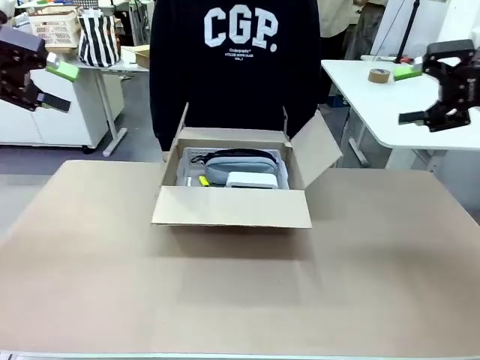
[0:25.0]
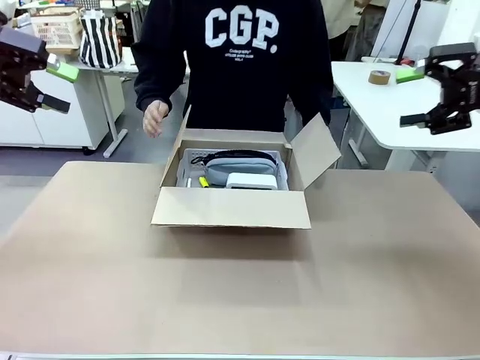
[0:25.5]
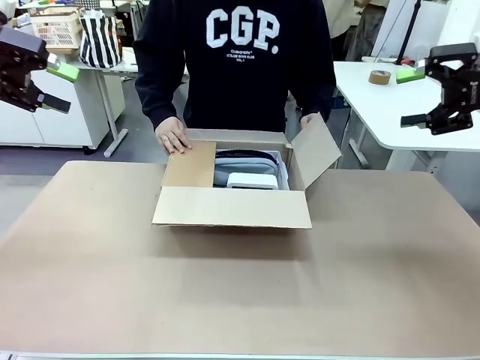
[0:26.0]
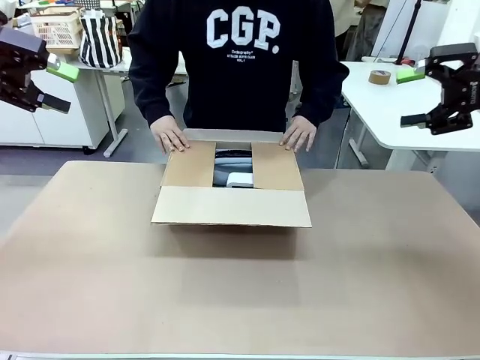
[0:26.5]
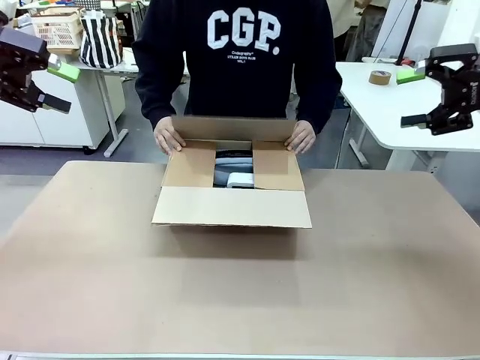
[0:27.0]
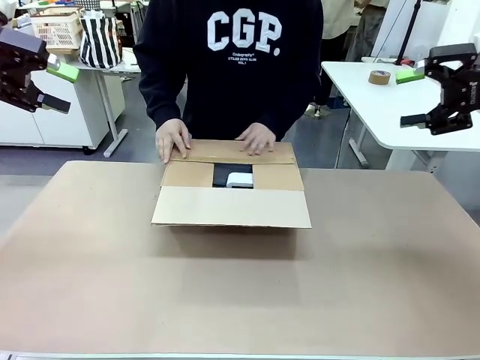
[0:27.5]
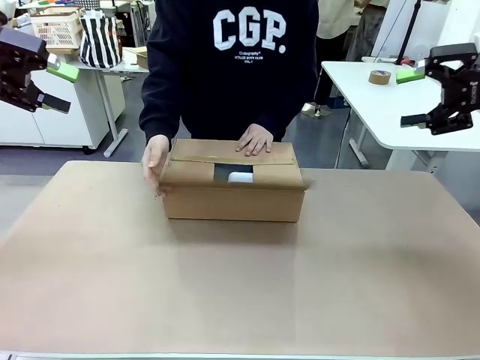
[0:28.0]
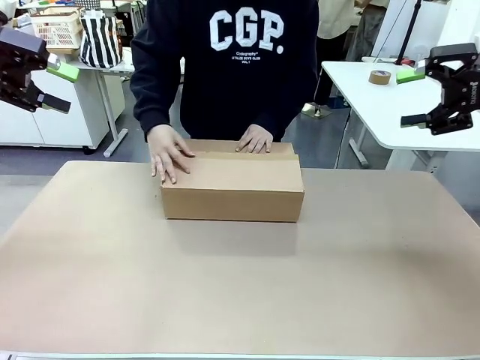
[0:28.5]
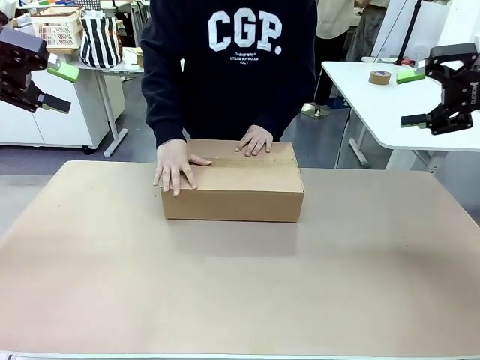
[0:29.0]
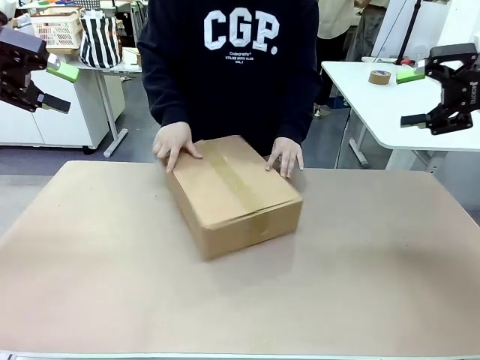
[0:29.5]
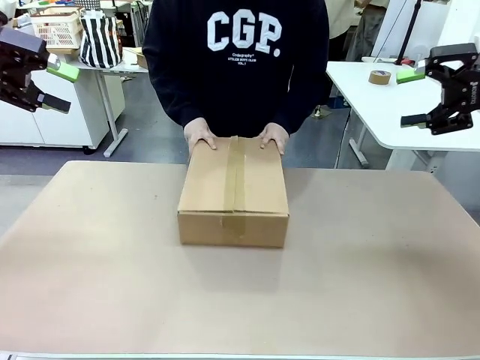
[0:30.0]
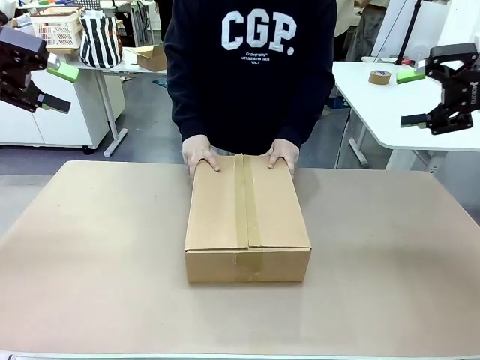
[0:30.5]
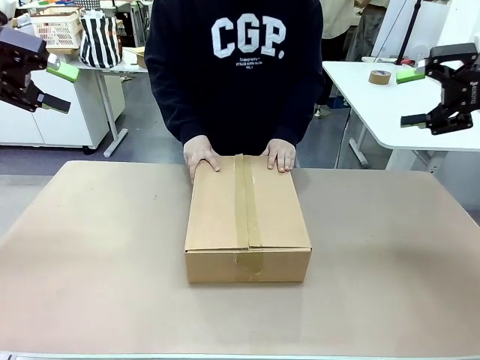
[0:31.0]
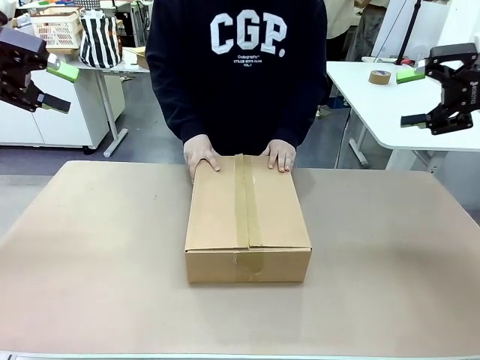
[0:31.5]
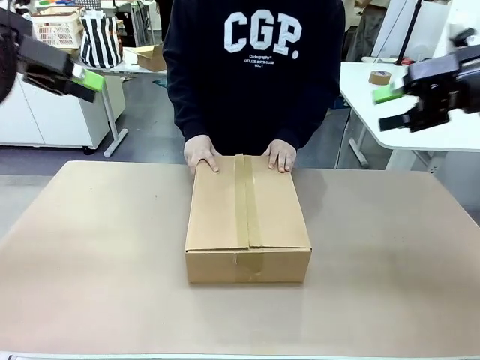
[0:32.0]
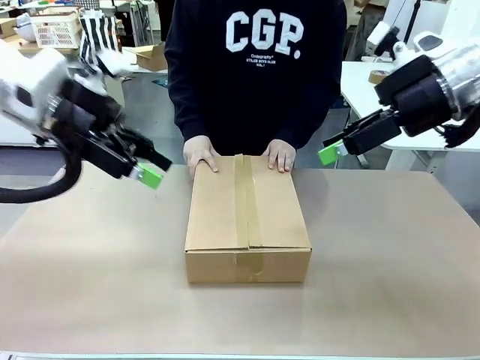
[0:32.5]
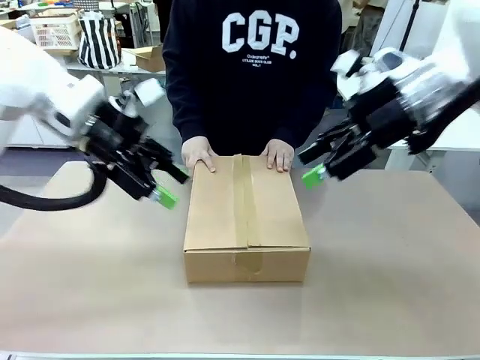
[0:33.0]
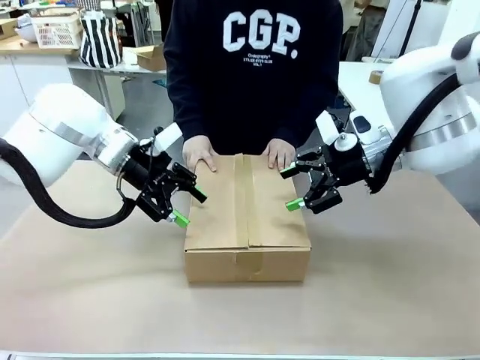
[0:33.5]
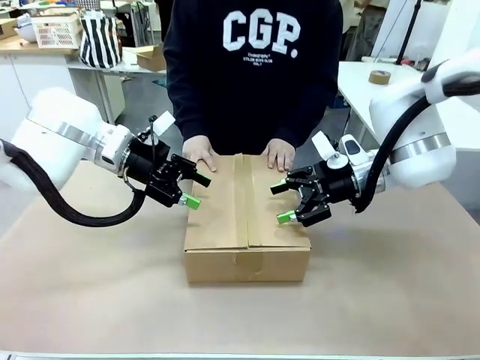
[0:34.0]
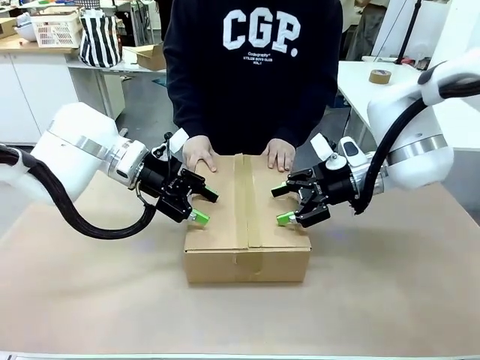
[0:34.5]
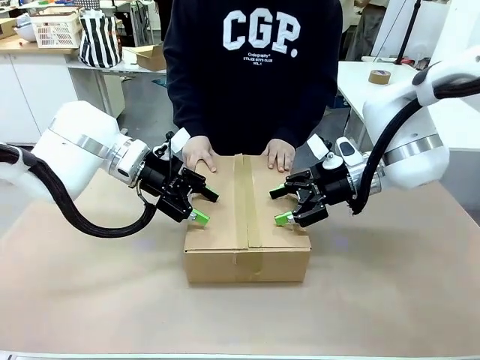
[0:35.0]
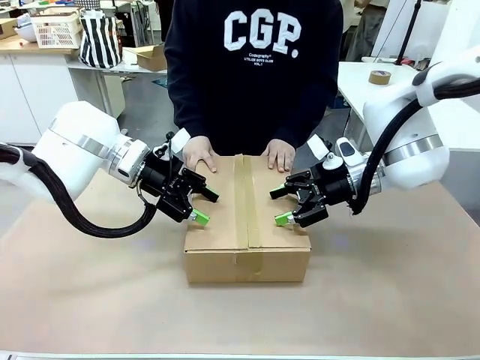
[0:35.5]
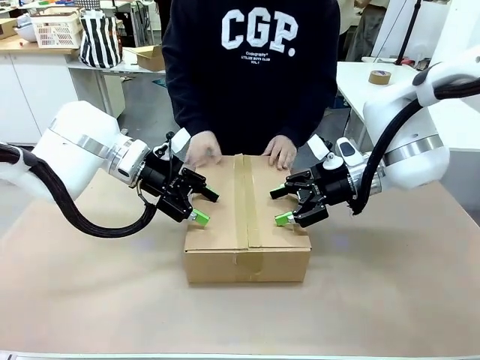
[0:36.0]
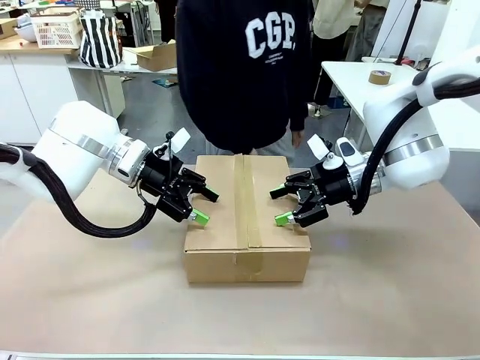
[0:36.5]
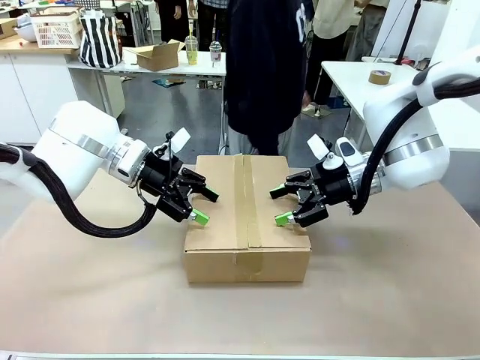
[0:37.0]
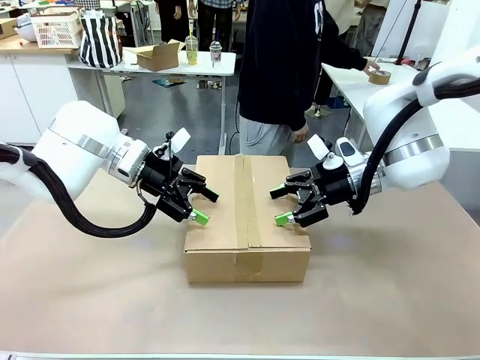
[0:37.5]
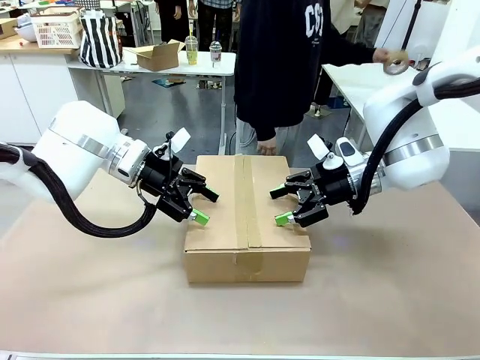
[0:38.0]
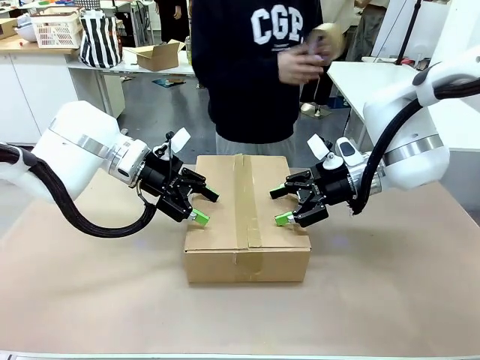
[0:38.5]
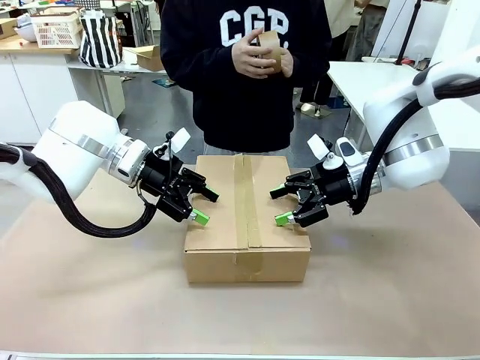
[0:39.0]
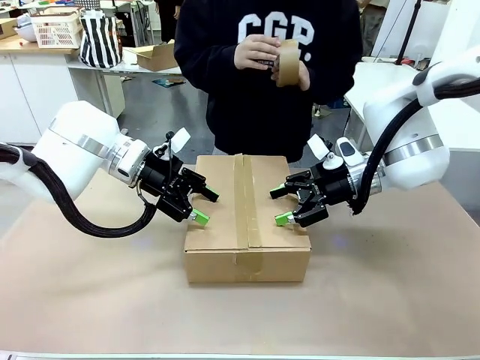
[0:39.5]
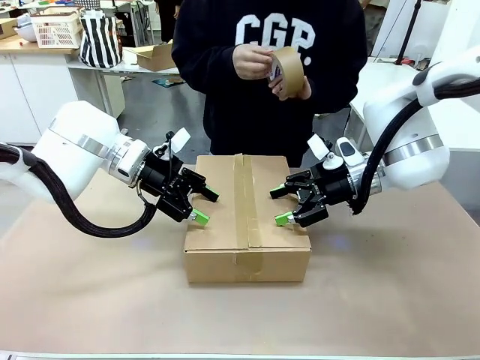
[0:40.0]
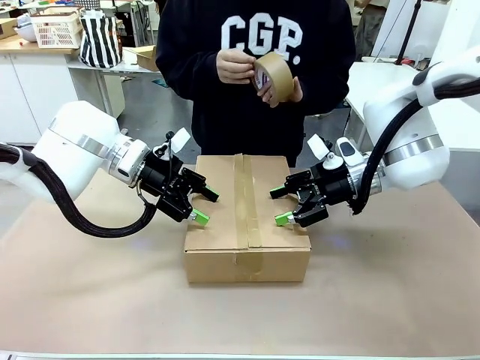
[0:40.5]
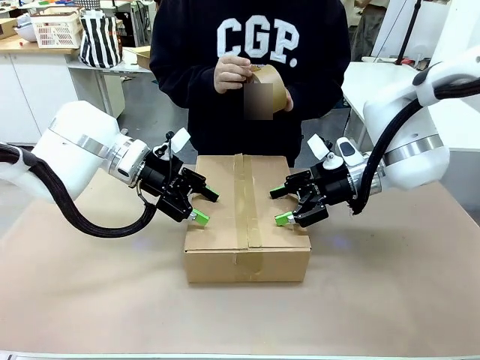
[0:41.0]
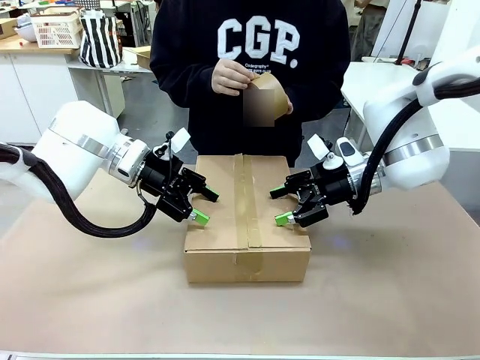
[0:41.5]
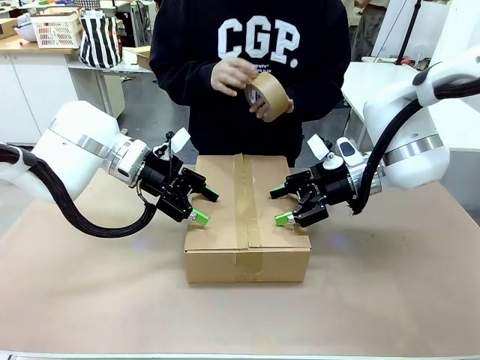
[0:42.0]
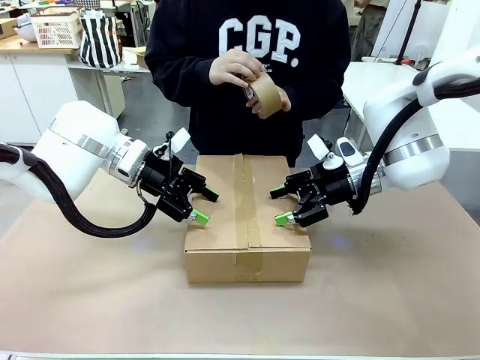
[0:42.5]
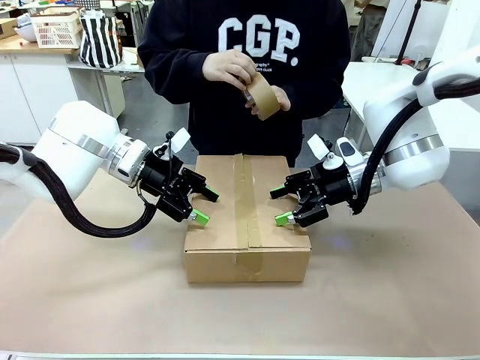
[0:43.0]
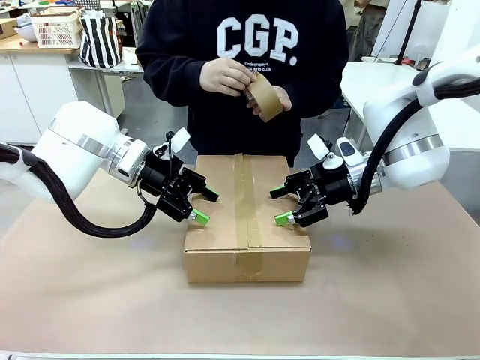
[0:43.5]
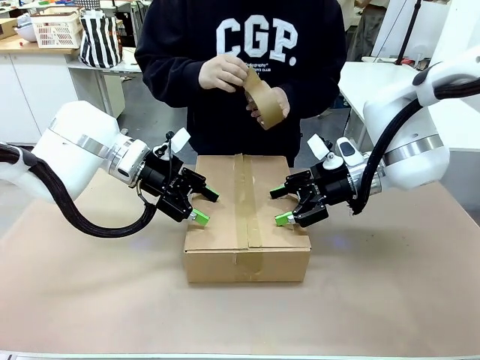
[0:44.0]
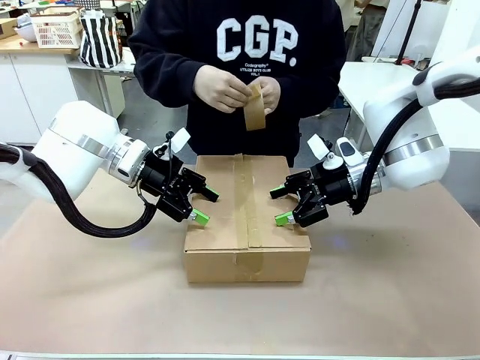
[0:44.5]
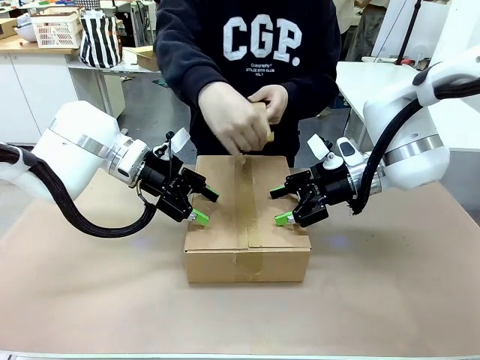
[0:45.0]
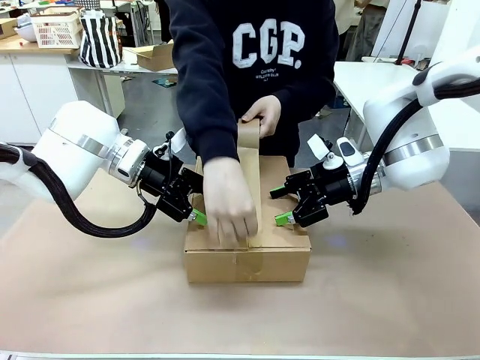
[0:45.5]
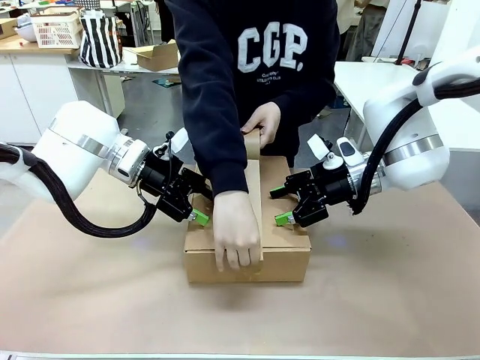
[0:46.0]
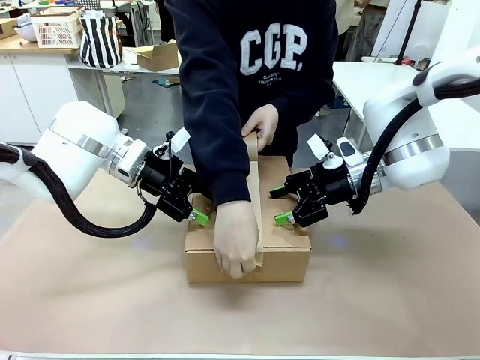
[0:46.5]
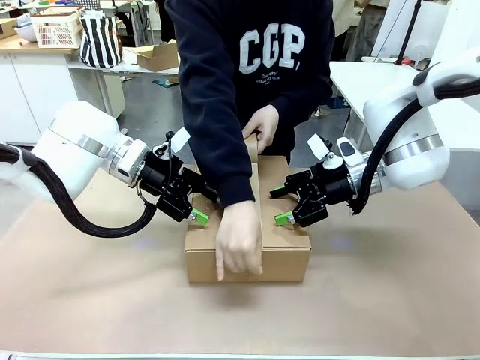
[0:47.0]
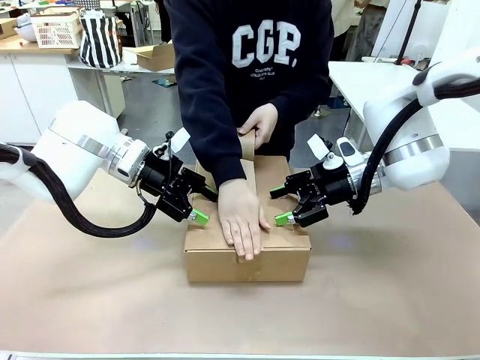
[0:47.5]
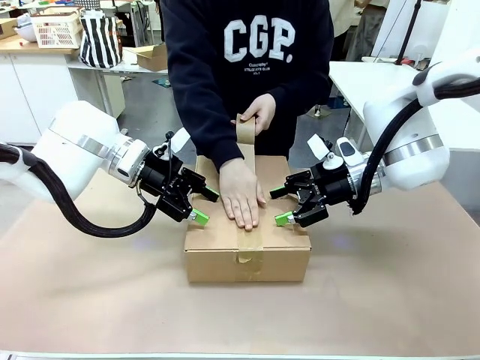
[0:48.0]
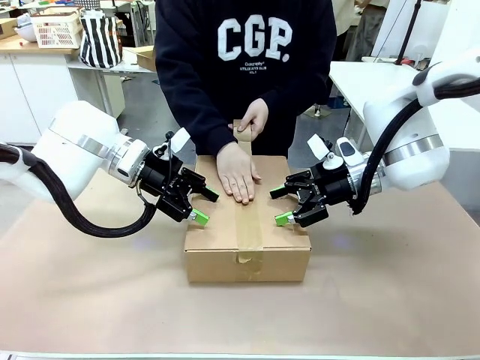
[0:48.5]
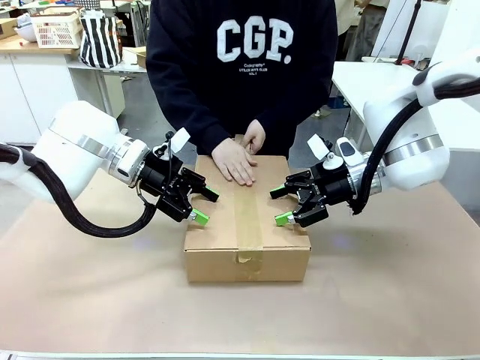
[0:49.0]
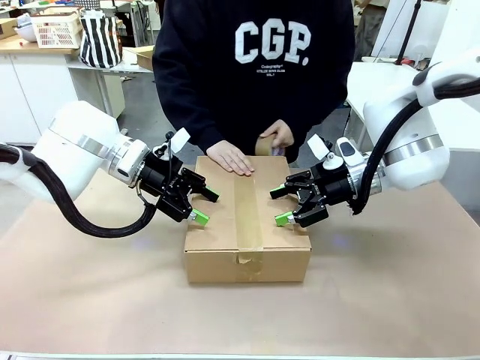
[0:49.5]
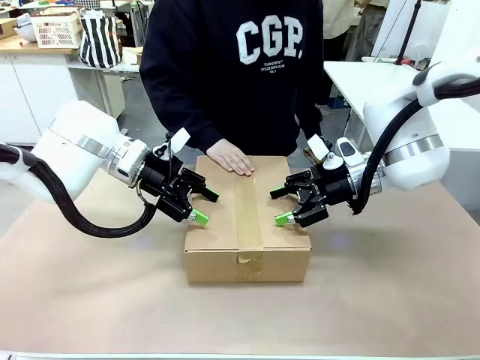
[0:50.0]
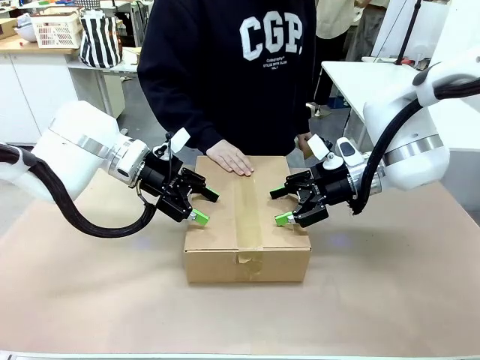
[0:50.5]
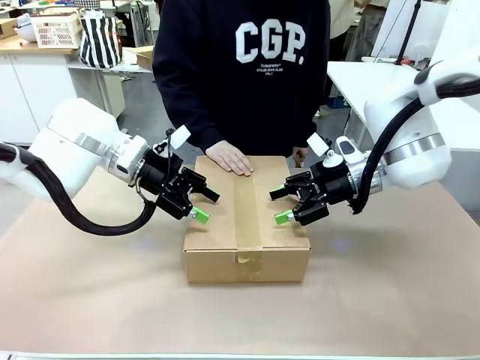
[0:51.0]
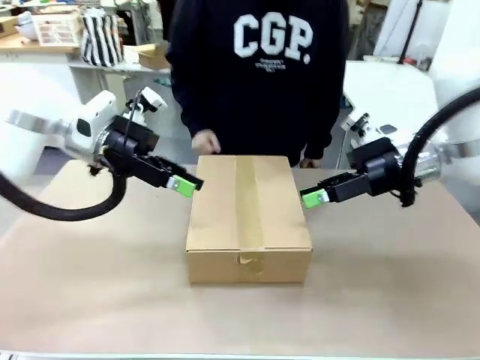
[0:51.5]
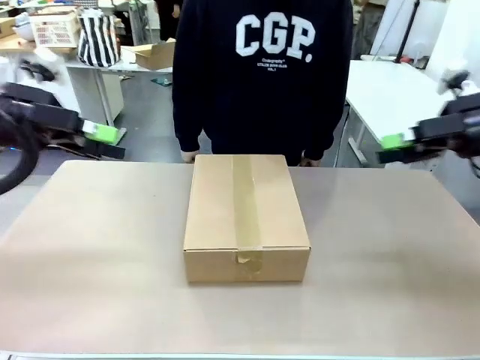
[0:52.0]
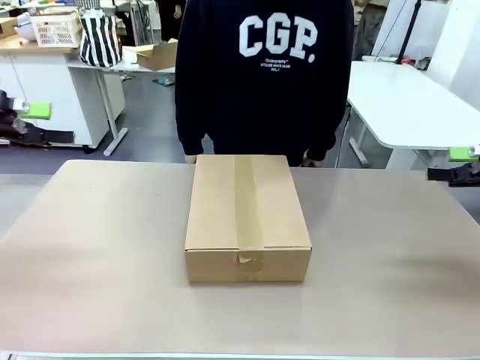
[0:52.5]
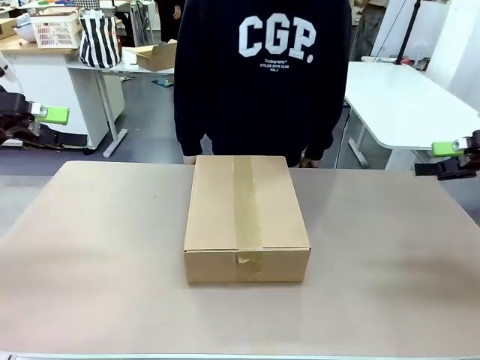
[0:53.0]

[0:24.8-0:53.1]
Task: Pack the gift set into the box.
Robot: Press and hold the closed box until the human finishes sealing it.
Person: The human closes the box and rotates the box by 90 degrees. The human picks up the paper tape from the human table and packs the box.
